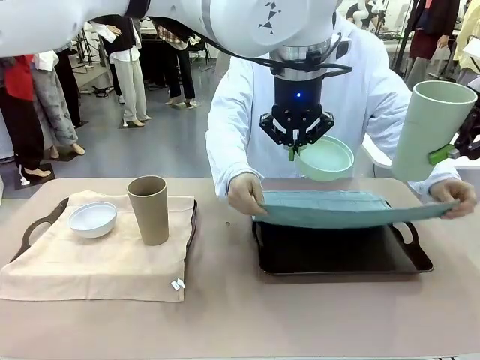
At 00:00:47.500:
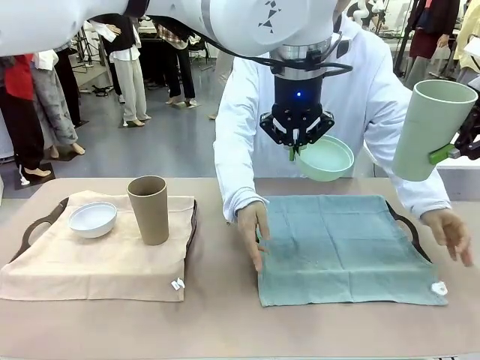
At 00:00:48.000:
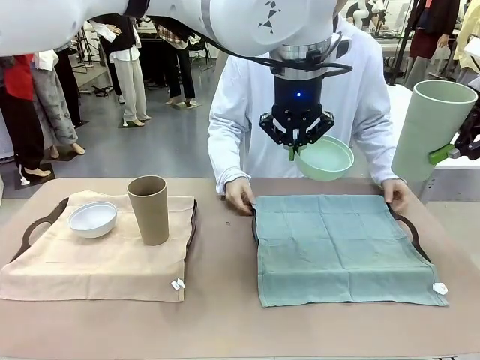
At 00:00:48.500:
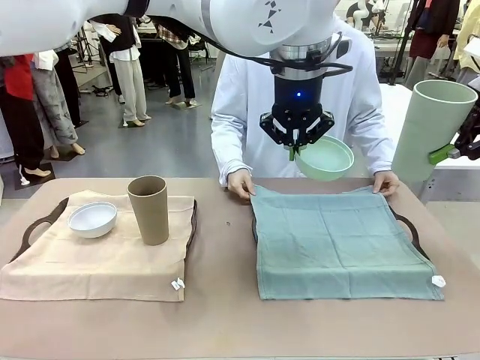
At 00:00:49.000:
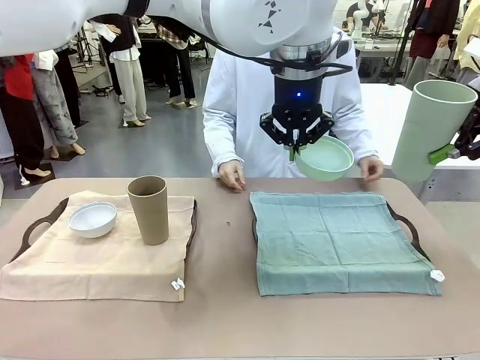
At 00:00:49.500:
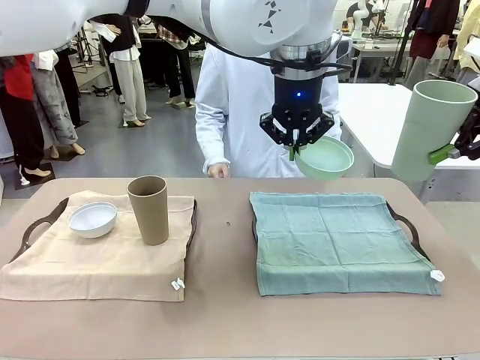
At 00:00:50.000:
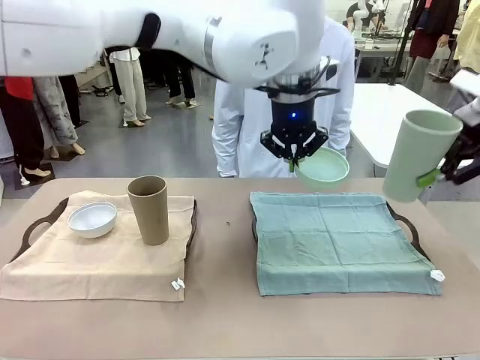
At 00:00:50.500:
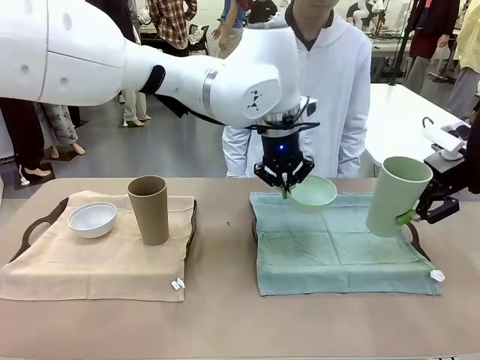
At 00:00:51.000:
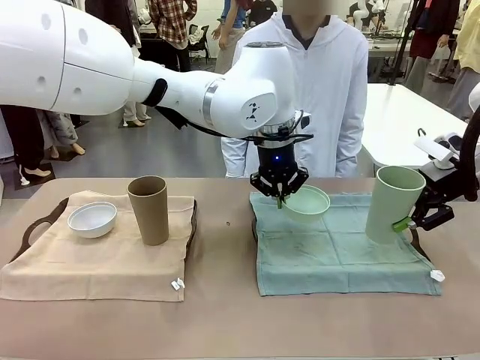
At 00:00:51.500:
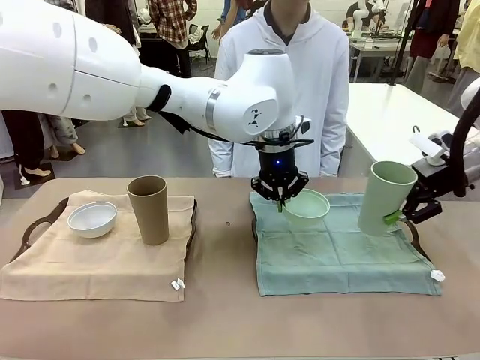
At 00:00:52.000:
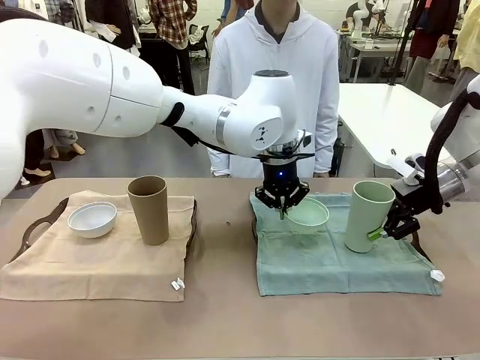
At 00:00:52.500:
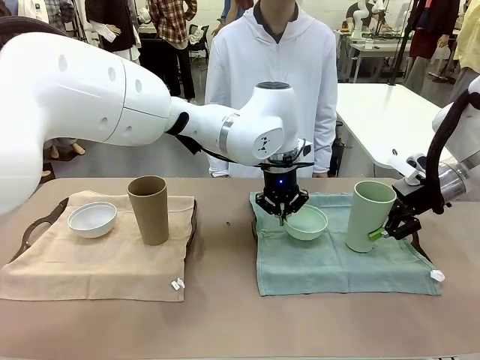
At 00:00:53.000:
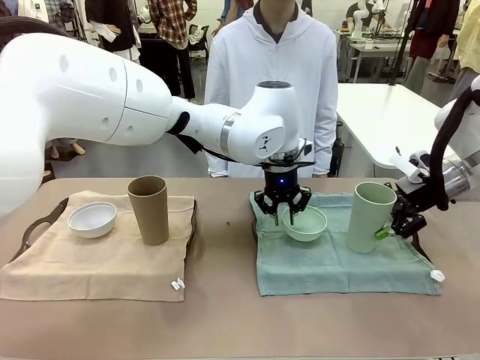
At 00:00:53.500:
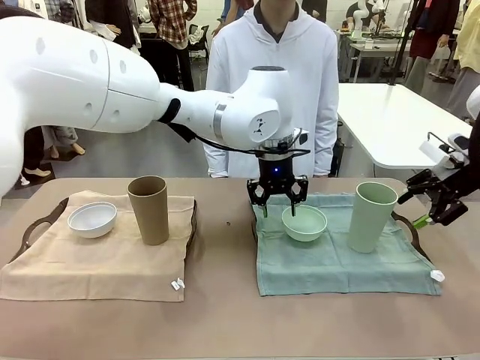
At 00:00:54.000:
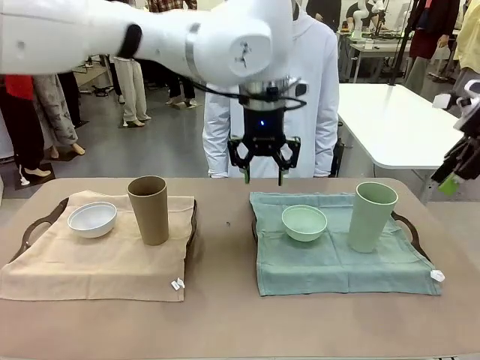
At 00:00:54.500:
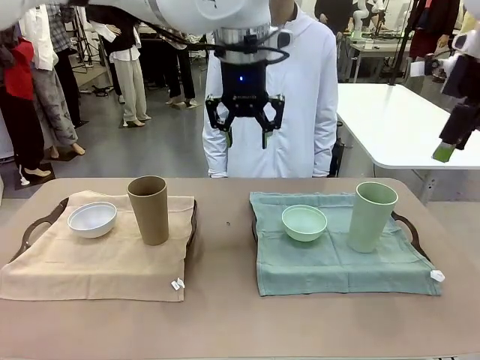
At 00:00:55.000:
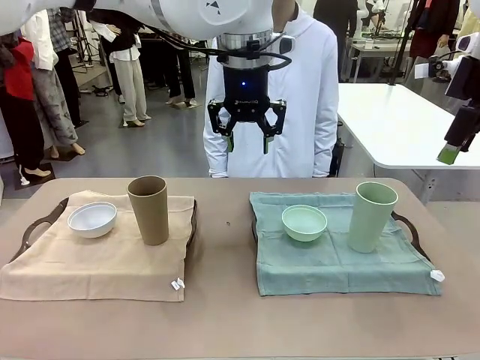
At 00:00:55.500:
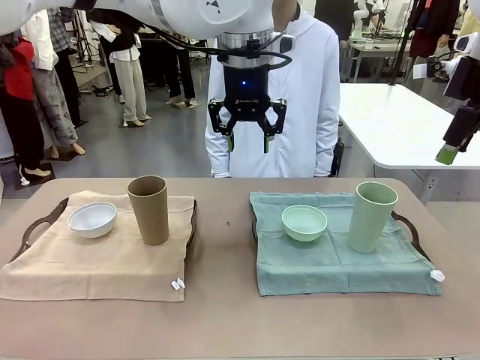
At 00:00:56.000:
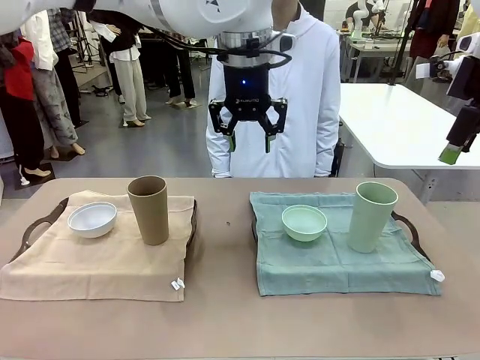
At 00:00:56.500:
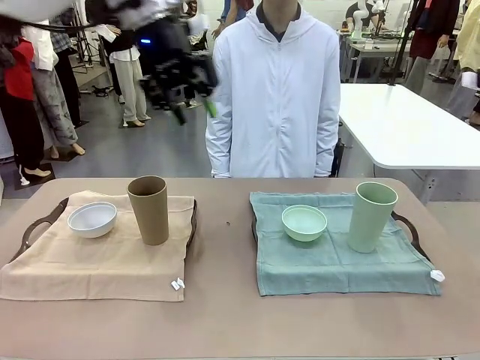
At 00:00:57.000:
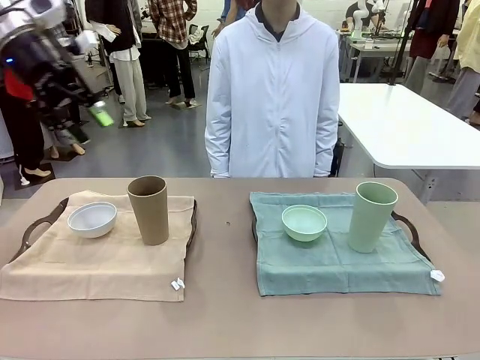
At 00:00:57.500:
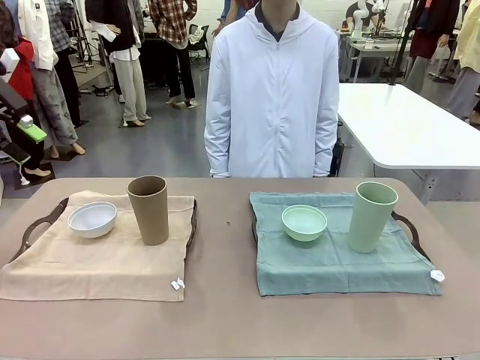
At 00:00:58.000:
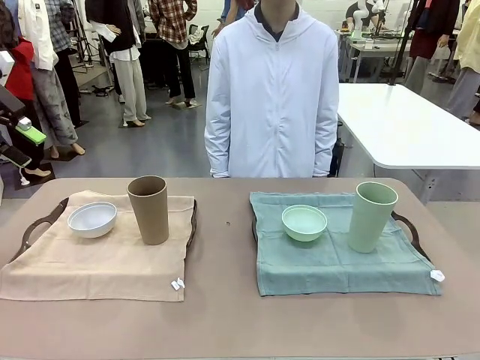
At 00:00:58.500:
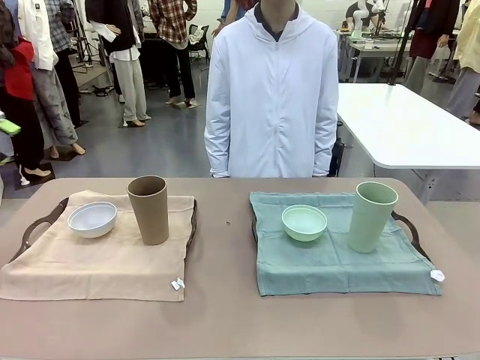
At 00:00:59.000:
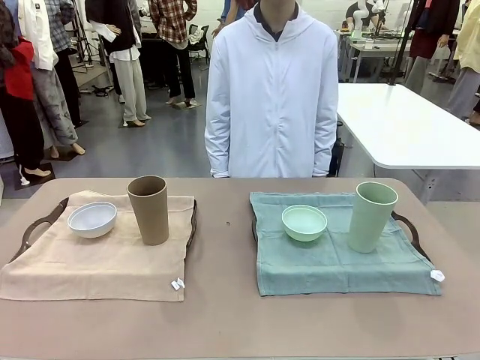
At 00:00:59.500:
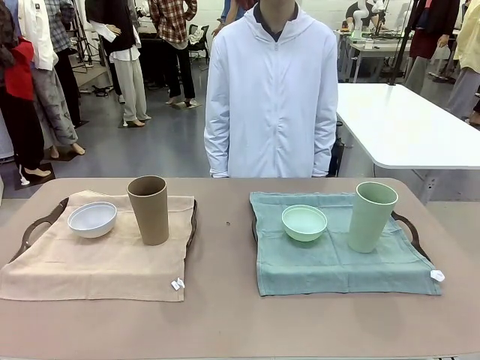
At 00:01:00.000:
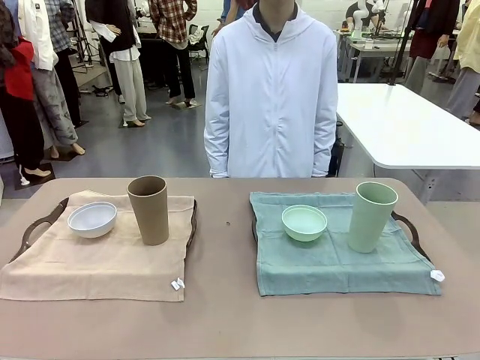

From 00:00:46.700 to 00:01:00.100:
Robot: Place the Picnic Bowl and Reusable plastic cup back onto the Handle tray in front of the human's position.
Person: When the robot lifts the bowl and the cup, the human unfolds the napkin and lays the napkin flat on the tray.

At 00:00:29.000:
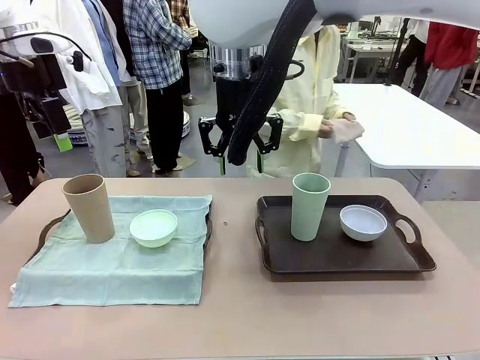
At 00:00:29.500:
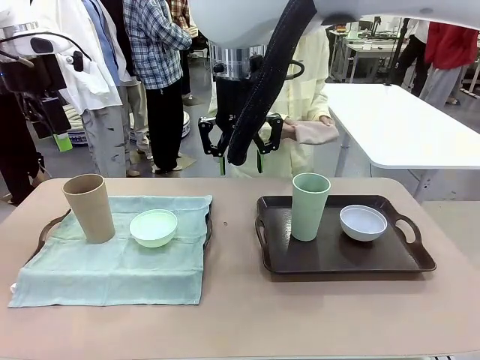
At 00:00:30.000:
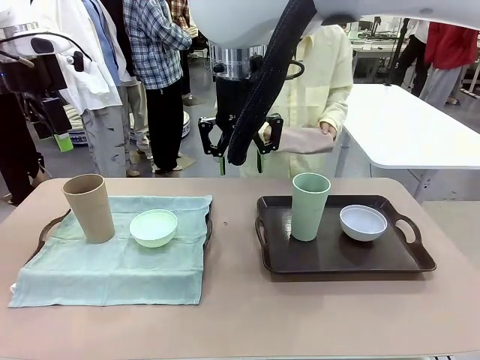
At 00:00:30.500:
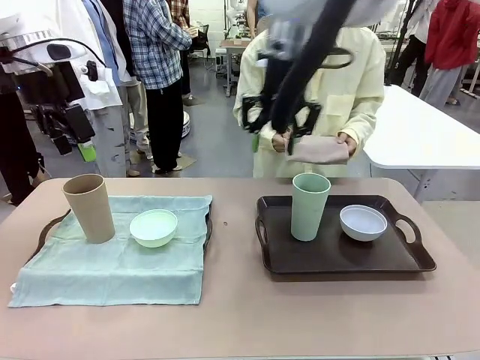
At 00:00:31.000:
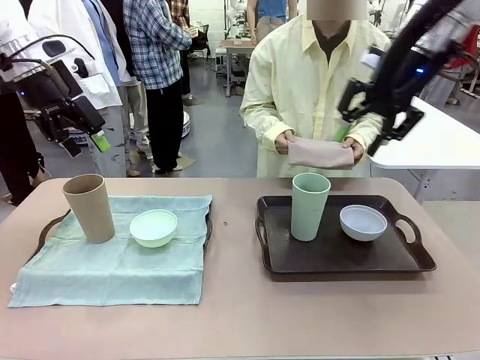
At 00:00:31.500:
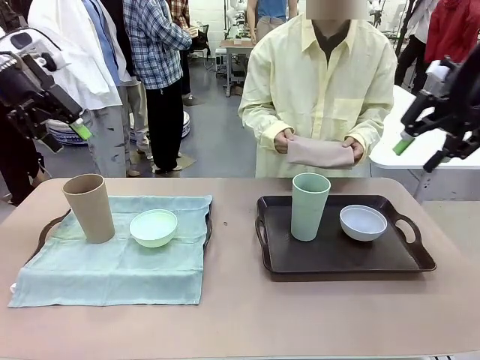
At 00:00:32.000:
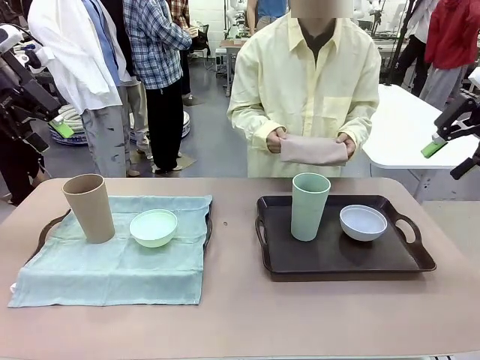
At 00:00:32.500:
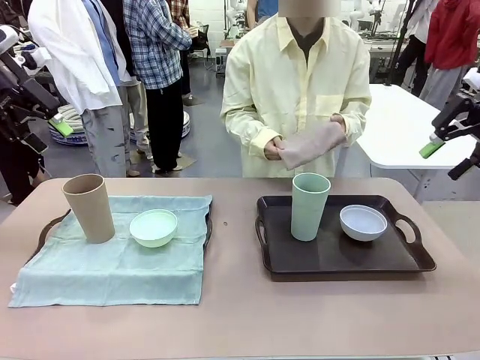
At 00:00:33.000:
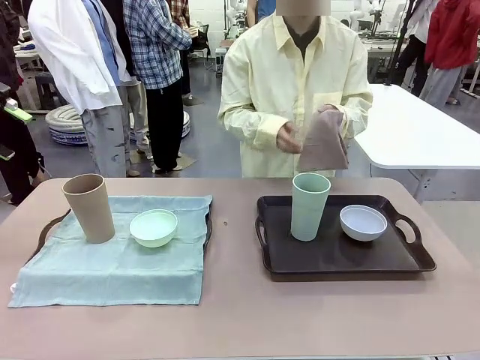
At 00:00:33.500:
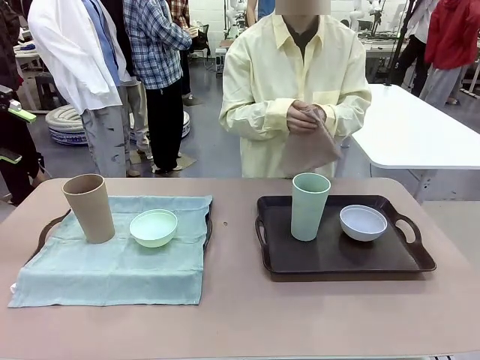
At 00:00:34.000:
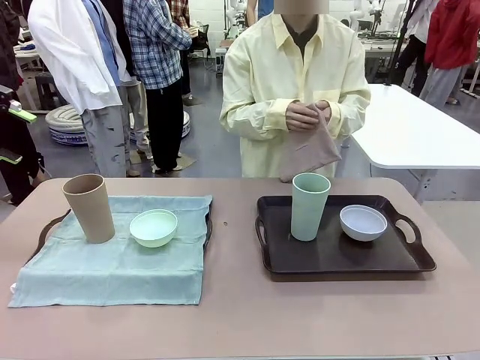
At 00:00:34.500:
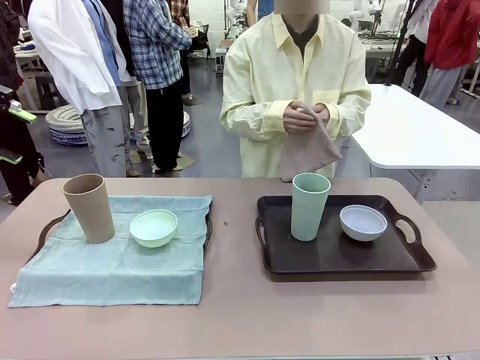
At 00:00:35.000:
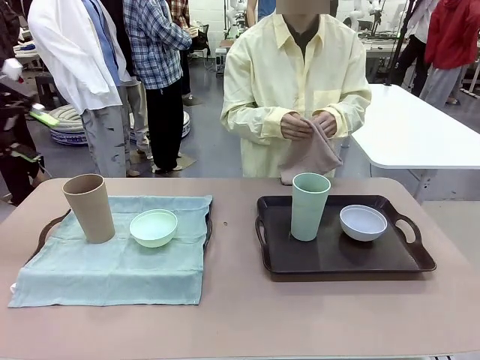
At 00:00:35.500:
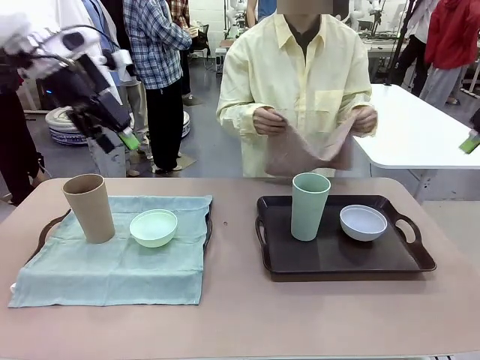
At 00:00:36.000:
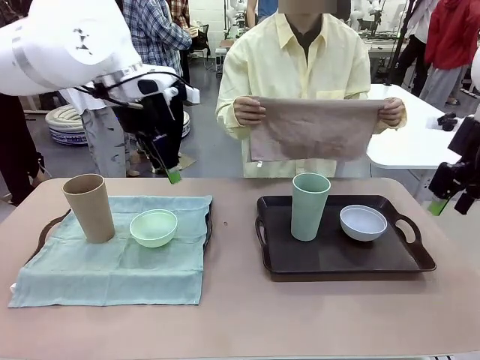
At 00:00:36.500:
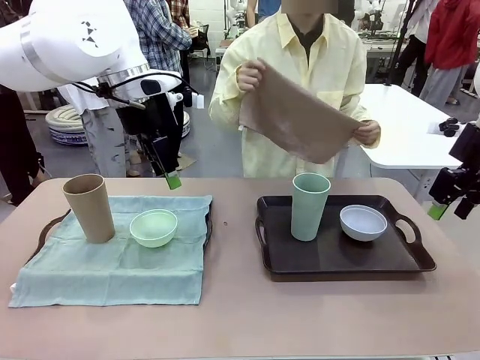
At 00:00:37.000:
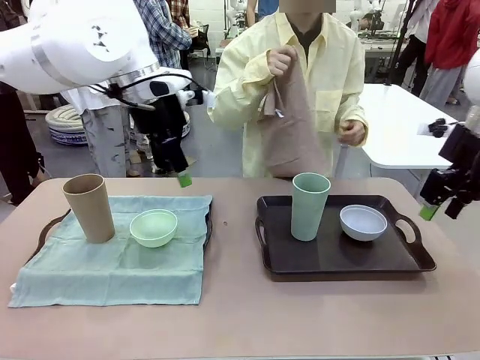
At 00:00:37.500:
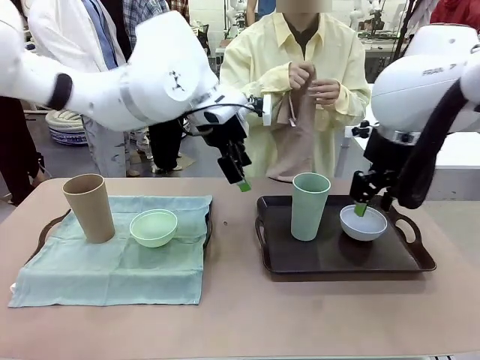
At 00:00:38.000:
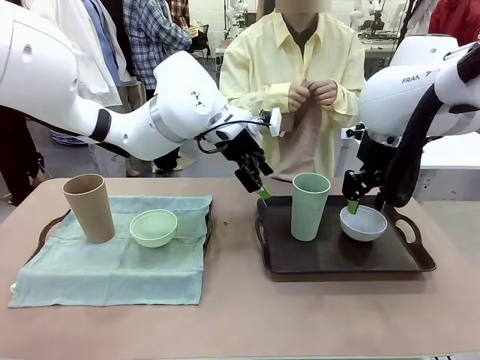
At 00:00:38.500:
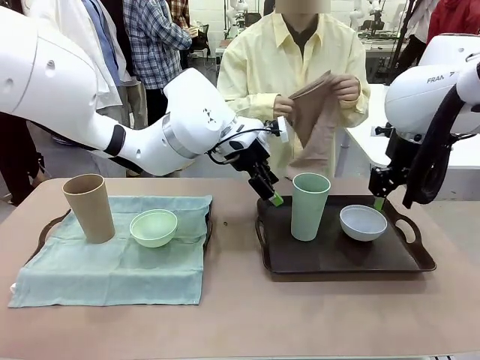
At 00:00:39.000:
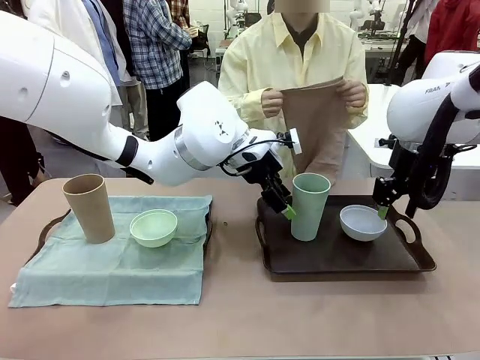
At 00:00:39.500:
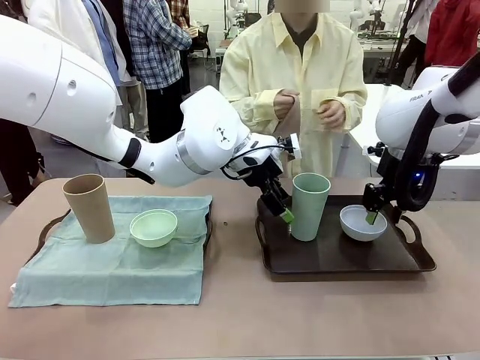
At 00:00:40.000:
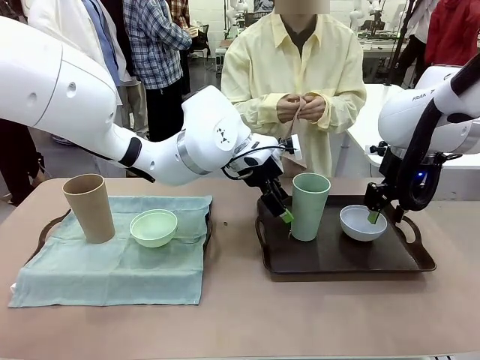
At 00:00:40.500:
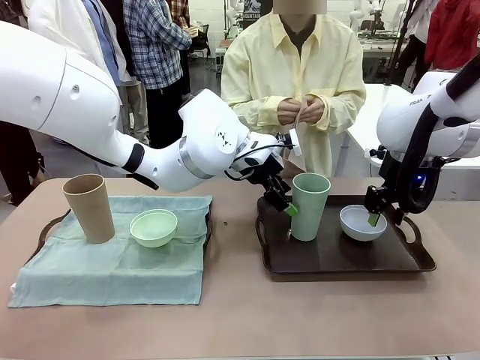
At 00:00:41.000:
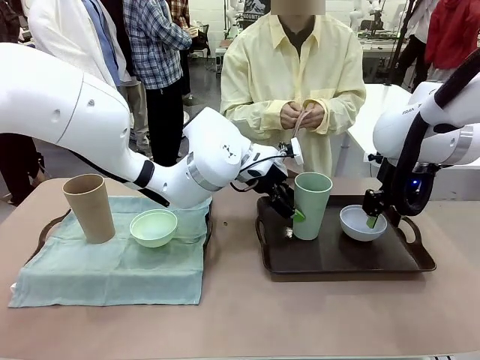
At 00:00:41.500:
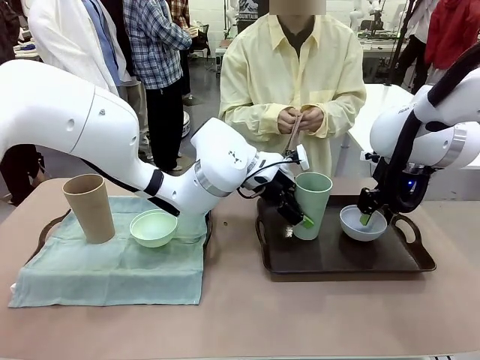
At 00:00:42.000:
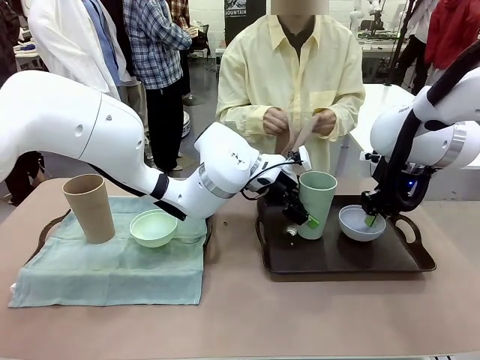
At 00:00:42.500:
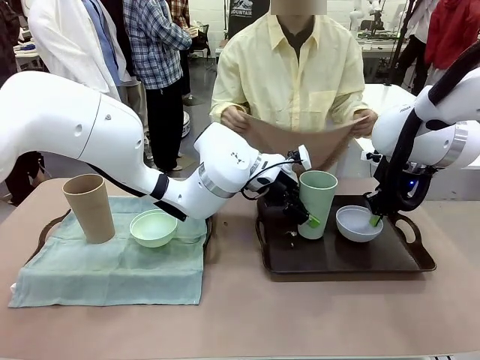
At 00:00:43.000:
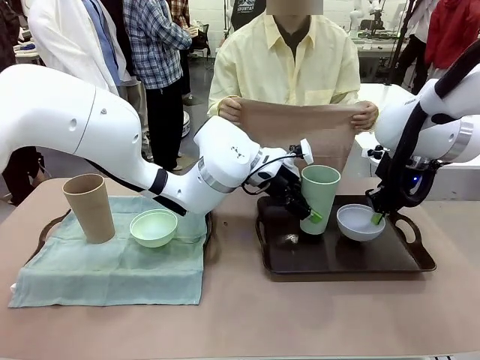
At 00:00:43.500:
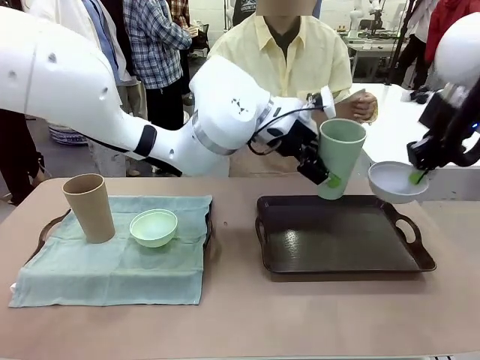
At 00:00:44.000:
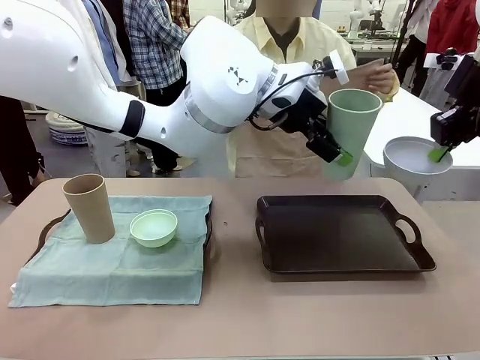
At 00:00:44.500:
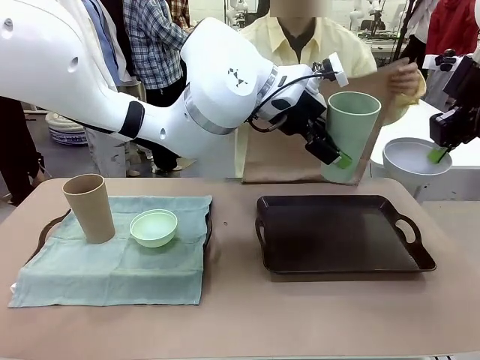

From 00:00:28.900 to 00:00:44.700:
Robot: Pick up the Picnic Bowl and Reusable plastic cup from the Handle tray in front of the human's position and hold them in the air.
Person: When the robot lifts the bowl and the cup, the human unfolds the napkin and lays the napkin flat on the tray.
